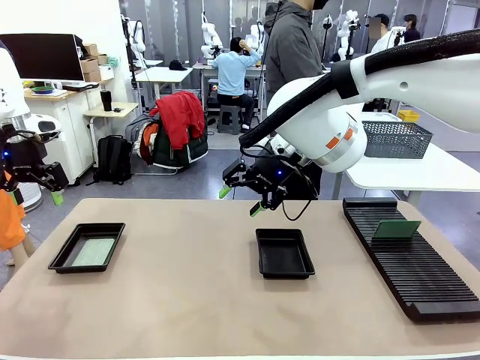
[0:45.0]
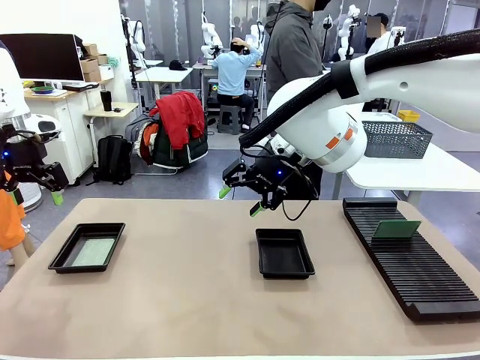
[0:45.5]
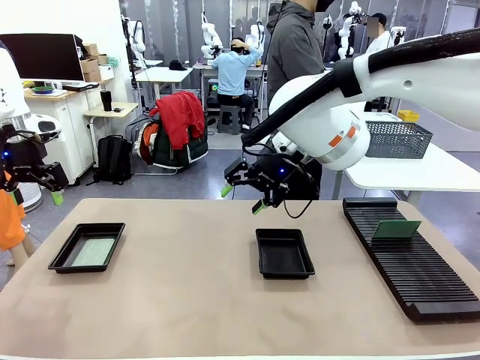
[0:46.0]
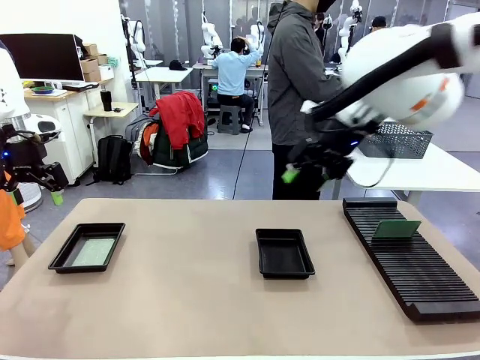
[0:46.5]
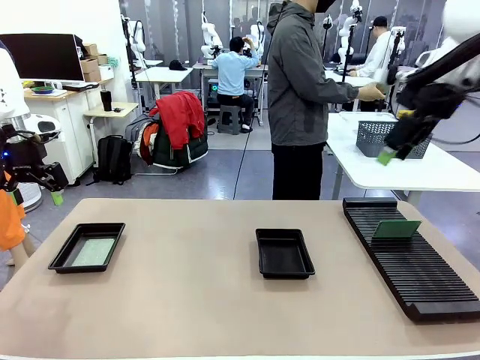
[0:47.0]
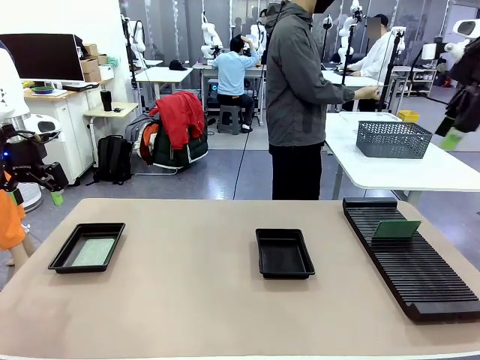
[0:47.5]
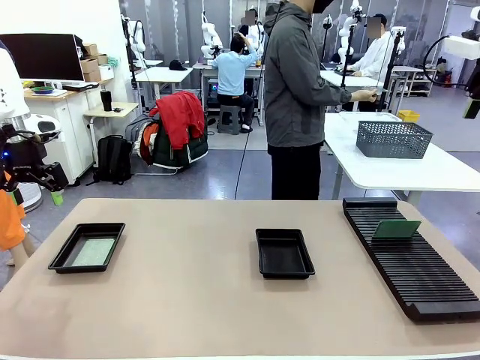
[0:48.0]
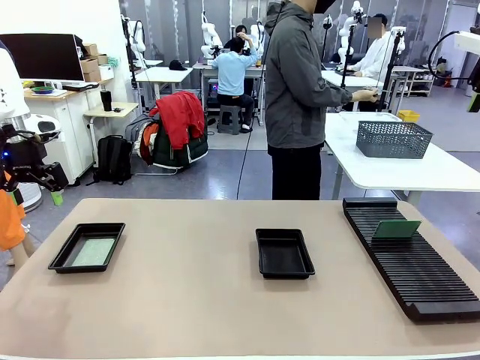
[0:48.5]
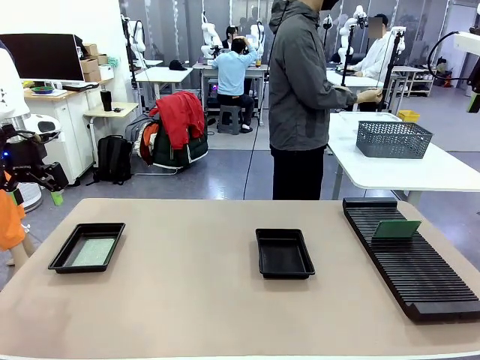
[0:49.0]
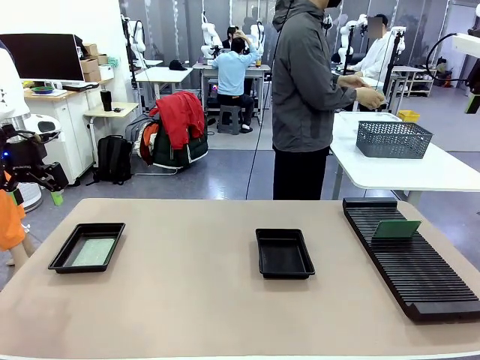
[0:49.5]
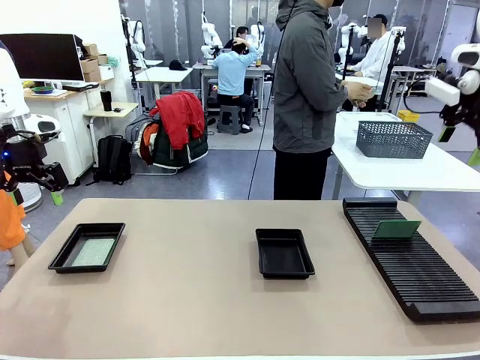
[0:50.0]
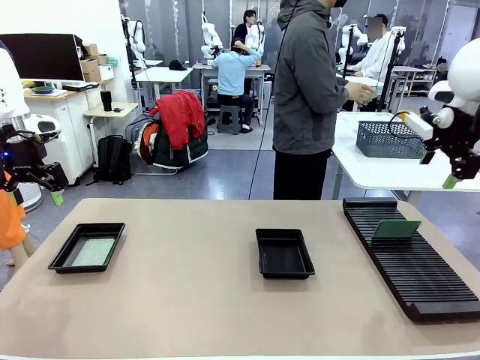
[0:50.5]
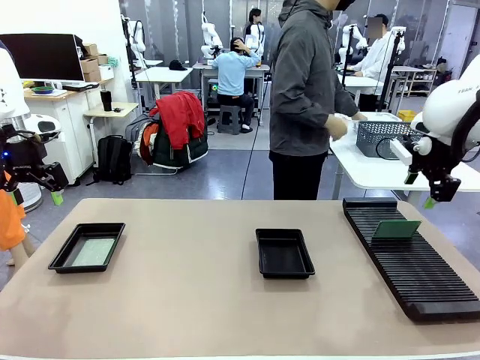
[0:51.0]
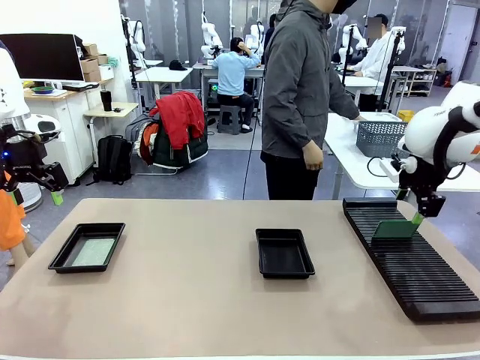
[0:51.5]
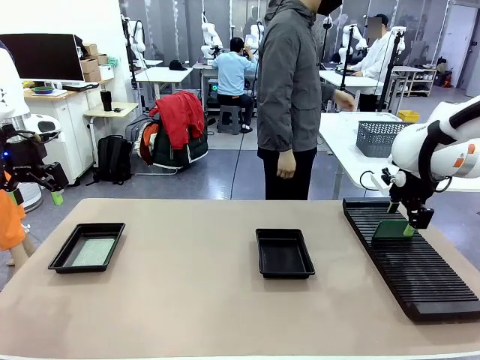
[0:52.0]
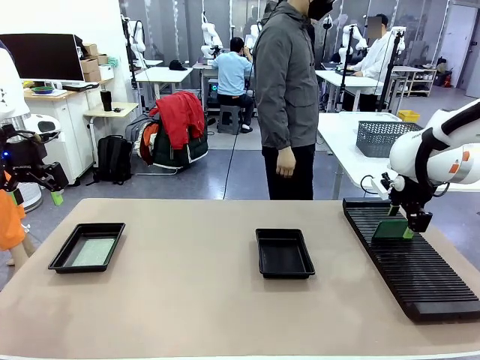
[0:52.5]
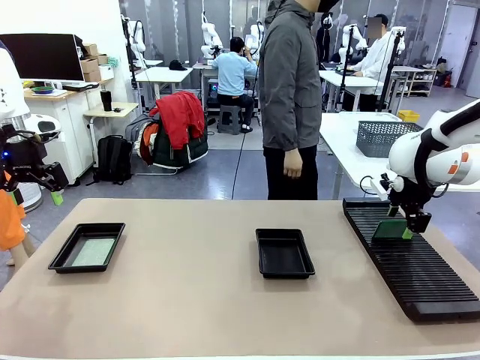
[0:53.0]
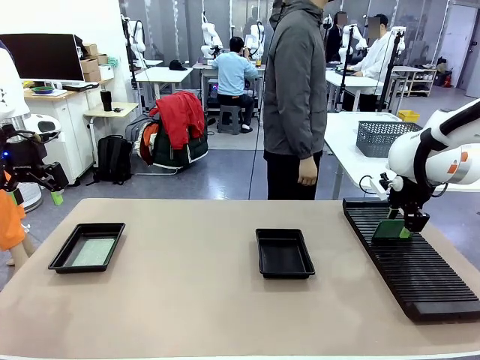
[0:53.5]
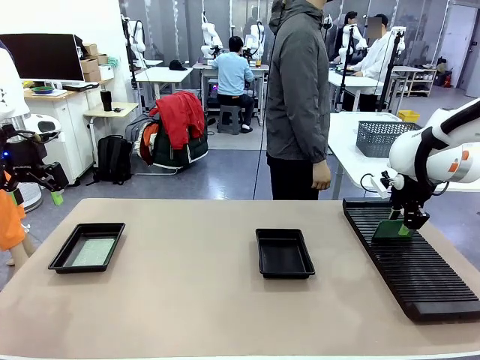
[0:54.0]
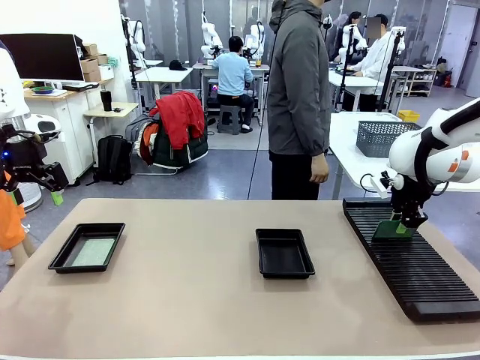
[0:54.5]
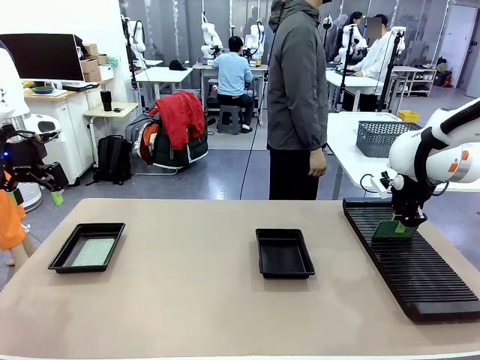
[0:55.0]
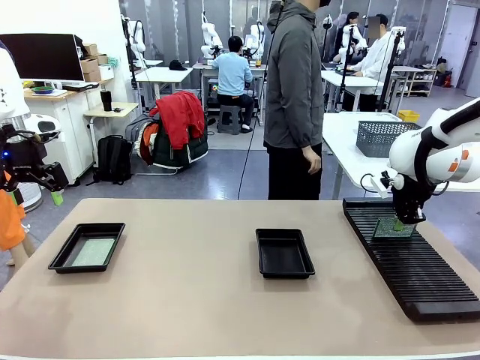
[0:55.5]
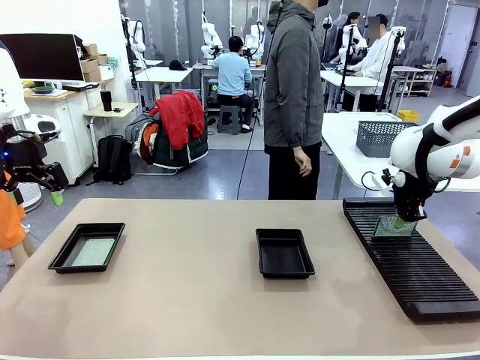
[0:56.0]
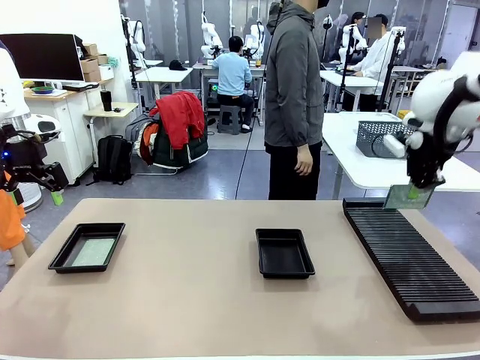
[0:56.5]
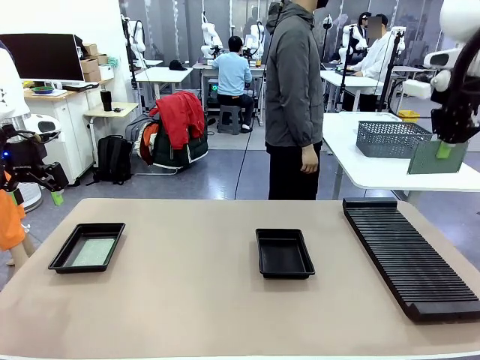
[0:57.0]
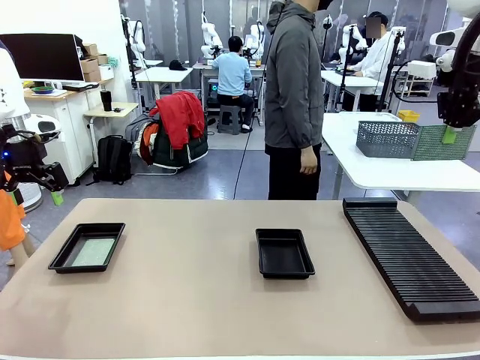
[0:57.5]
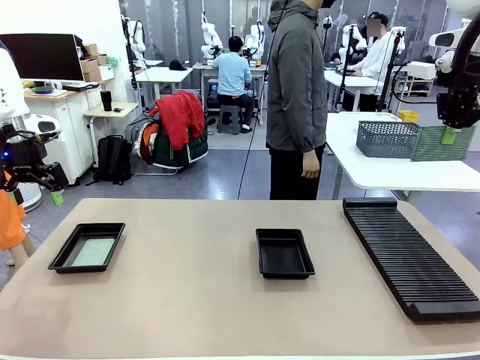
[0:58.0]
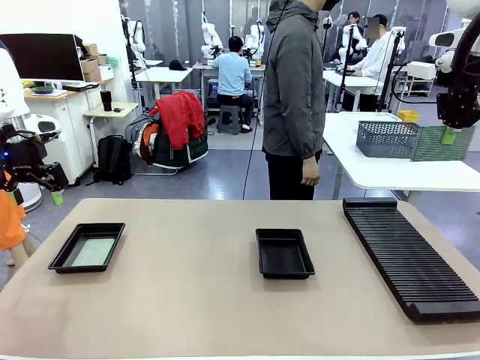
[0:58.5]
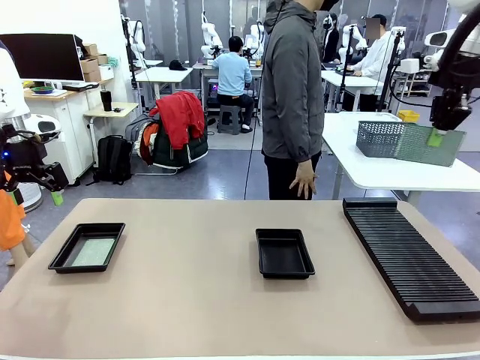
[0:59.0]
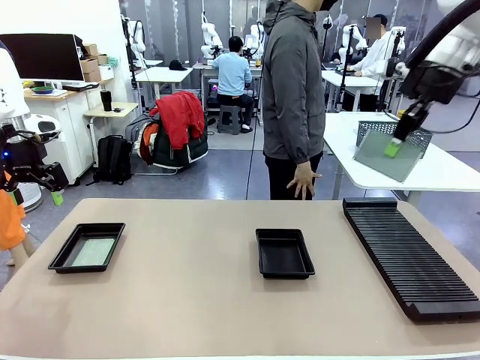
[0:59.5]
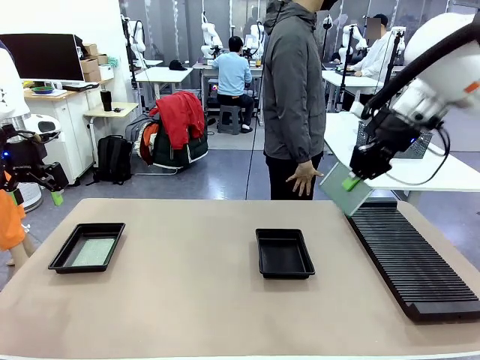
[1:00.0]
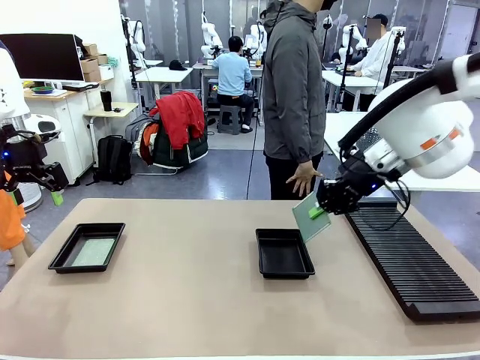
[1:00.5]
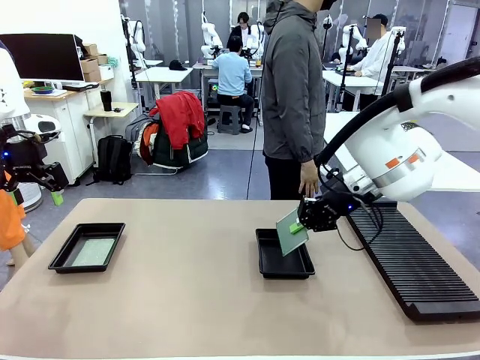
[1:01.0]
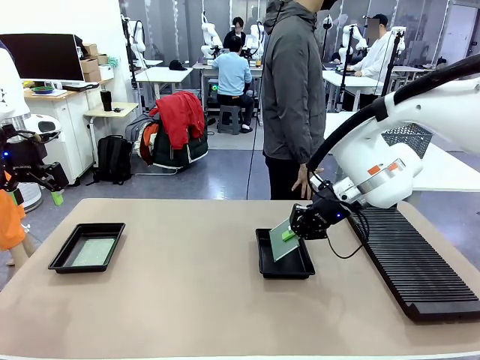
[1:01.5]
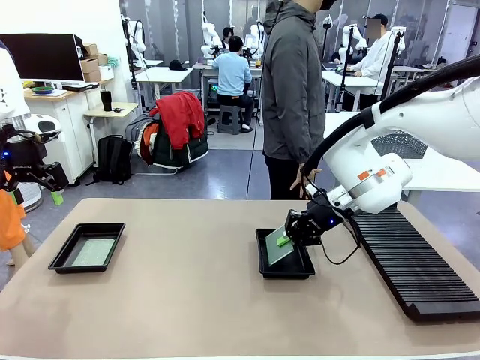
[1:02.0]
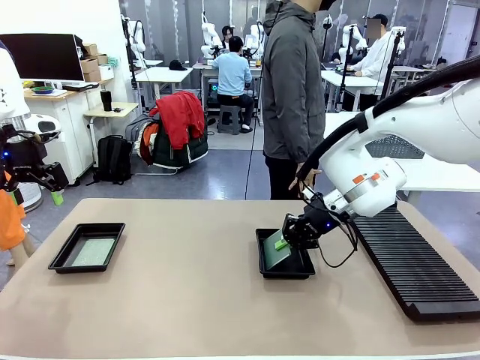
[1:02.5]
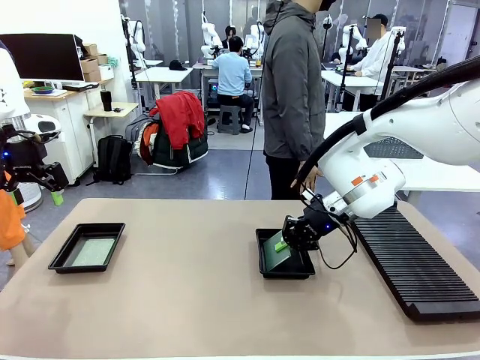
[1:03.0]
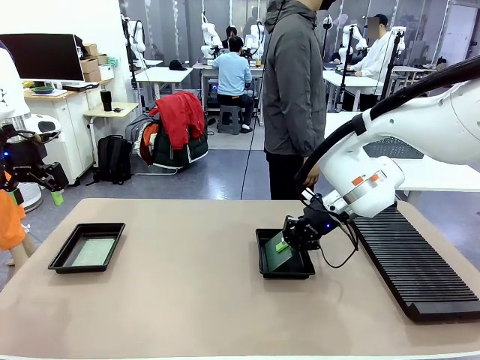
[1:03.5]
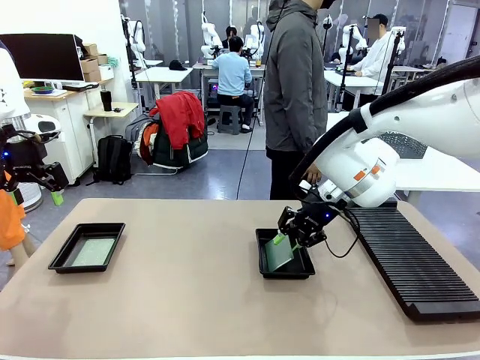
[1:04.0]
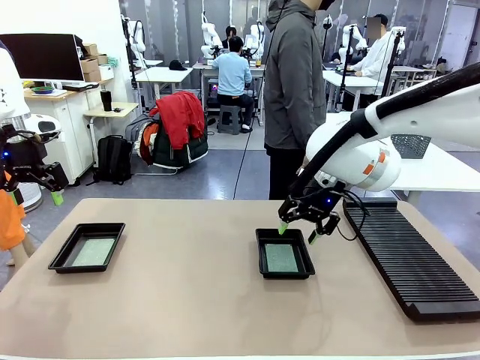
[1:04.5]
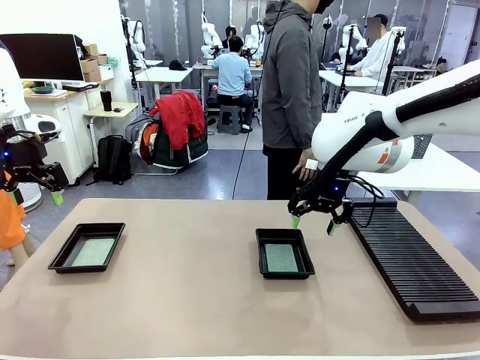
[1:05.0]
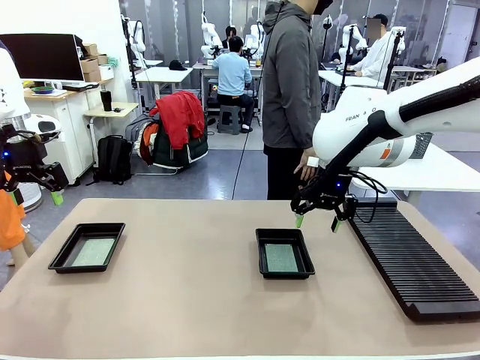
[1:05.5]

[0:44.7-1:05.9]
Task: Inspect and transfer BCBs to ESD trays.
Robot: Pick up the Blank PCB from the PCB Rack and place it in the right ESD tray.

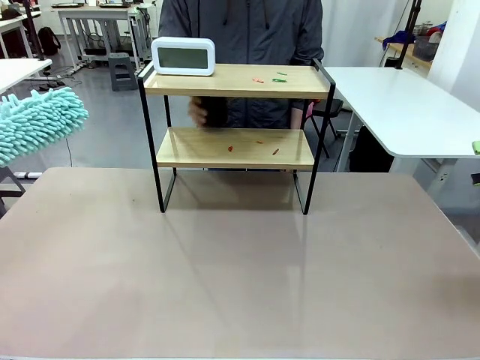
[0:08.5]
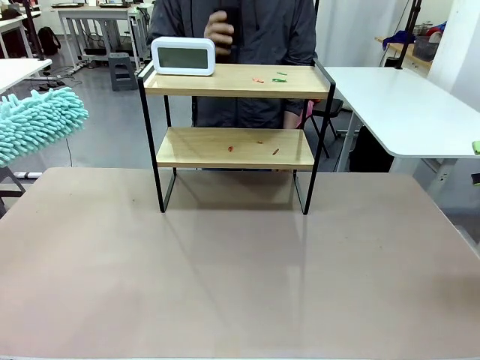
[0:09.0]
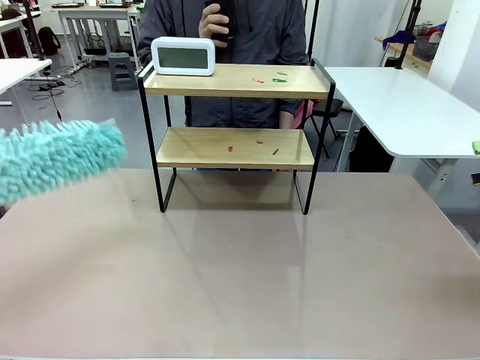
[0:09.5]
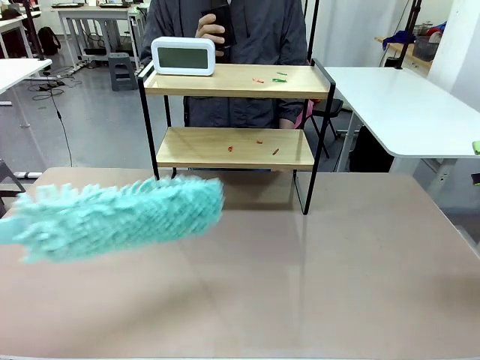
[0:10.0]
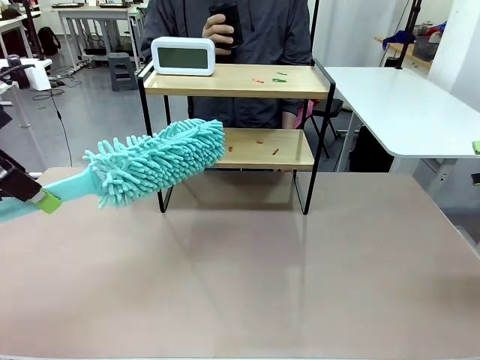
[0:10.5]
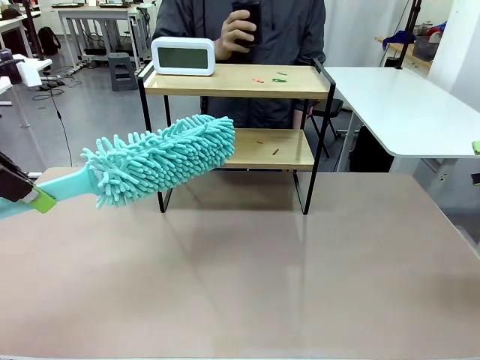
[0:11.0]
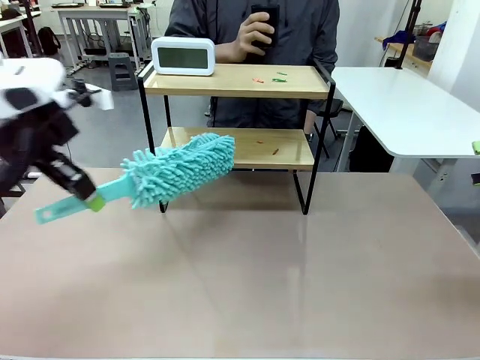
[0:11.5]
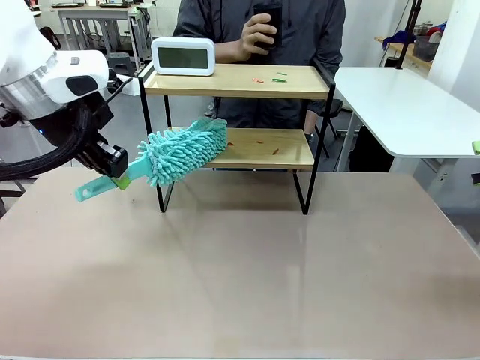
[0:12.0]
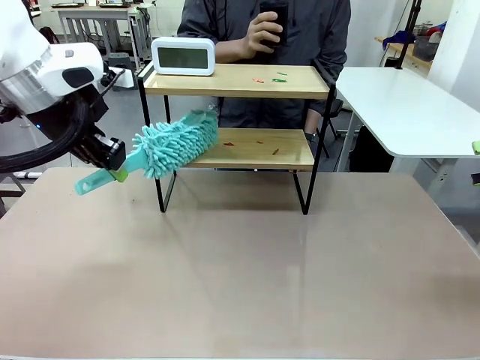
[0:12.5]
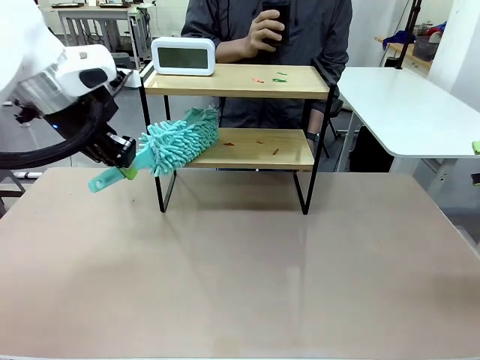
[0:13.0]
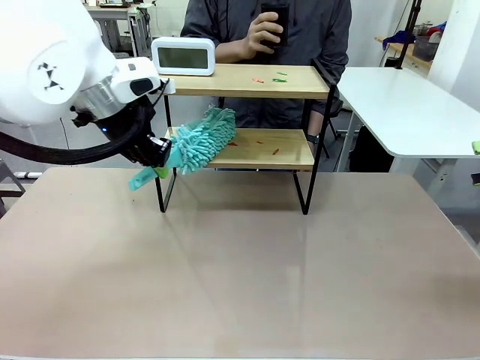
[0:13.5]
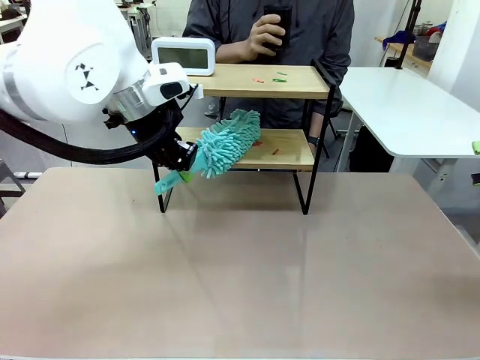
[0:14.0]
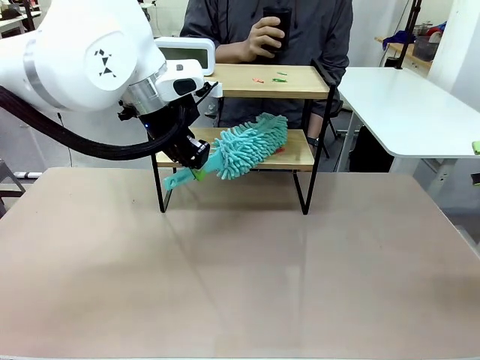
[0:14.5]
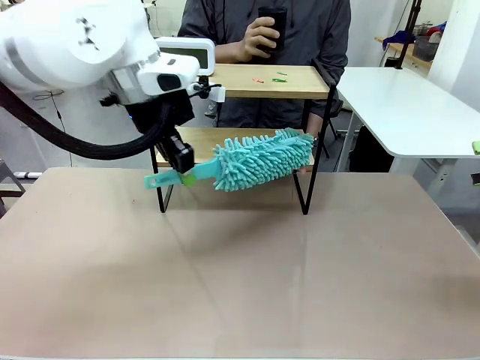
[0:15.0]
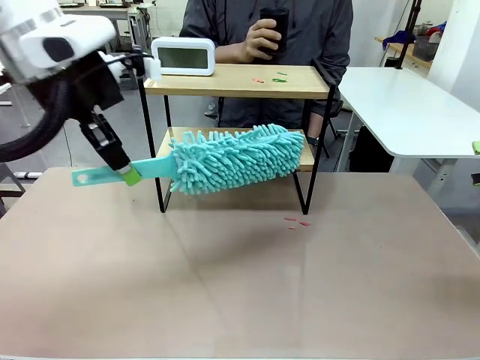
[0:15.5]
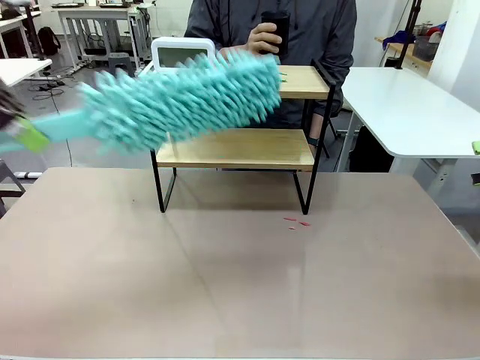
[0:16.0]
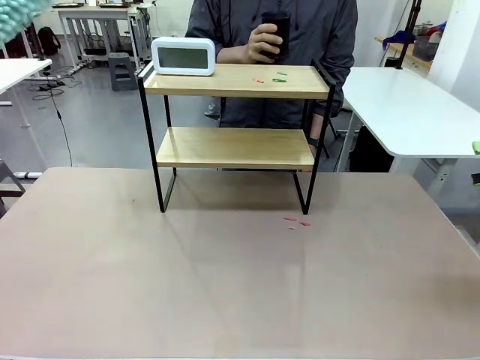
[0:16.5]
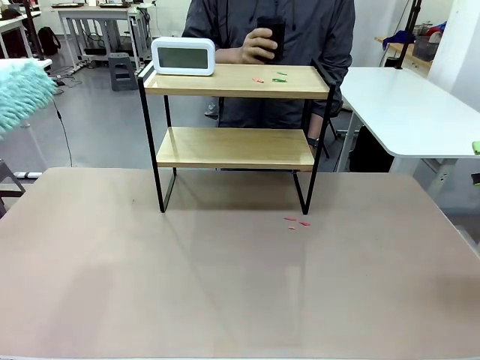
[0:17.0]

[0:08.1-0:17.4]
Task: Clean the shelf.
Robot: Clean the specific tier of the Shelf with the Duster once objects are removed.
Person: Lift the objects on a randomly selected tier of the Shelf. Once the robot finishes cleaning, lift the objects on the remaining tiers of the Shelf.
